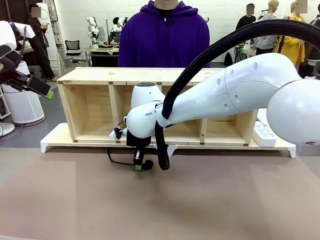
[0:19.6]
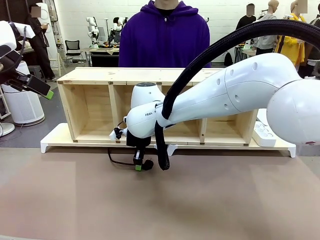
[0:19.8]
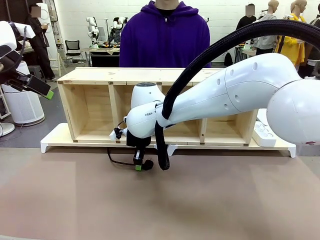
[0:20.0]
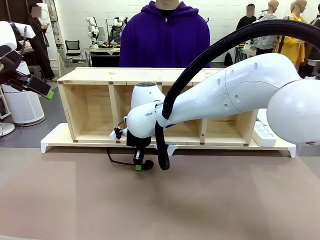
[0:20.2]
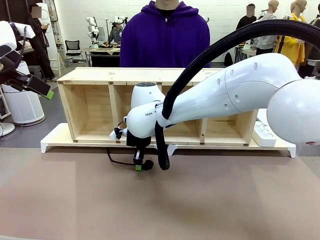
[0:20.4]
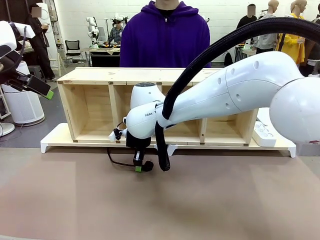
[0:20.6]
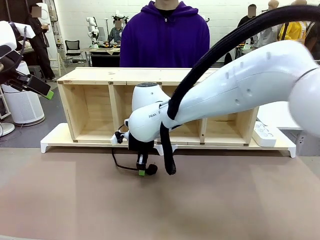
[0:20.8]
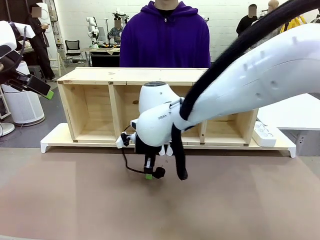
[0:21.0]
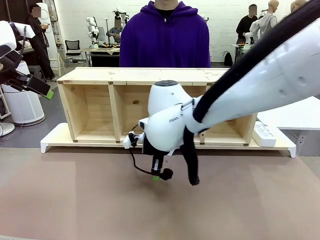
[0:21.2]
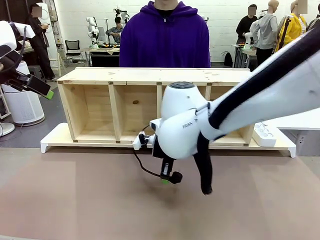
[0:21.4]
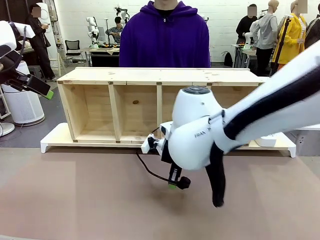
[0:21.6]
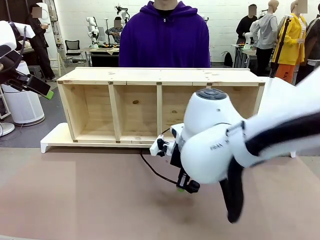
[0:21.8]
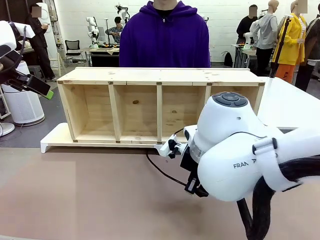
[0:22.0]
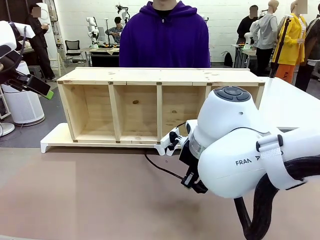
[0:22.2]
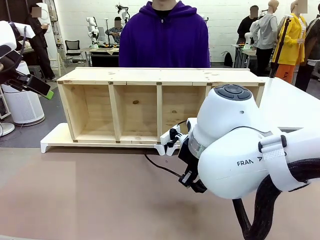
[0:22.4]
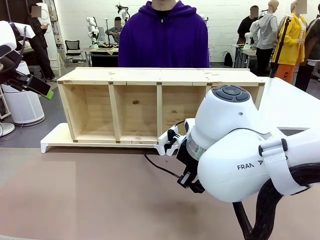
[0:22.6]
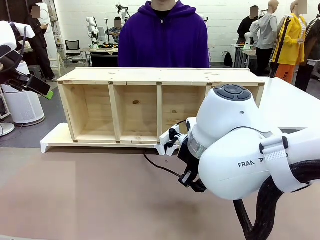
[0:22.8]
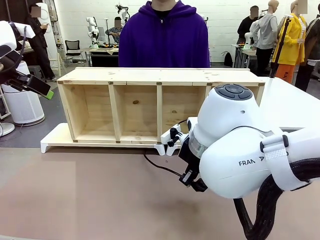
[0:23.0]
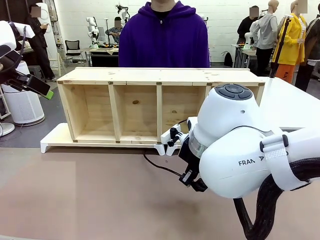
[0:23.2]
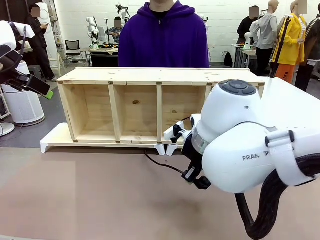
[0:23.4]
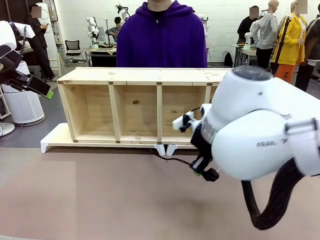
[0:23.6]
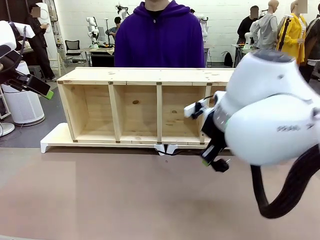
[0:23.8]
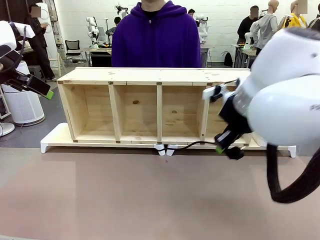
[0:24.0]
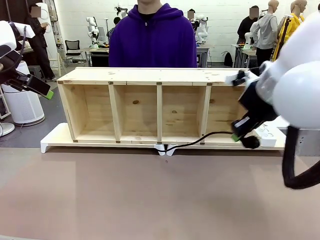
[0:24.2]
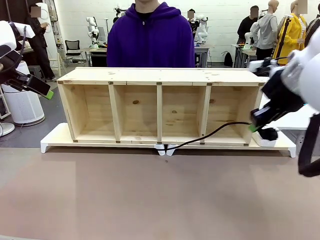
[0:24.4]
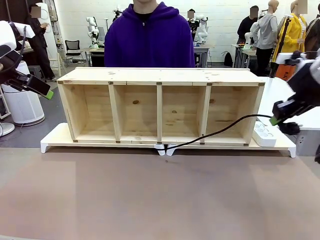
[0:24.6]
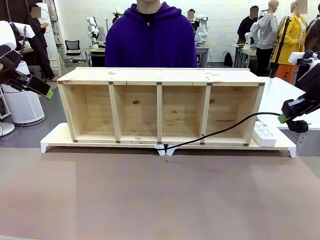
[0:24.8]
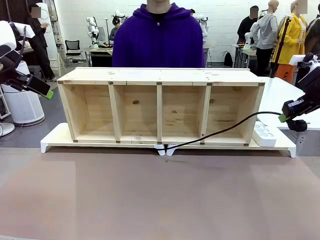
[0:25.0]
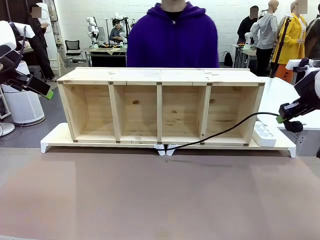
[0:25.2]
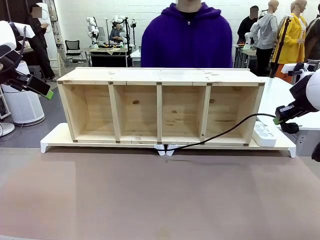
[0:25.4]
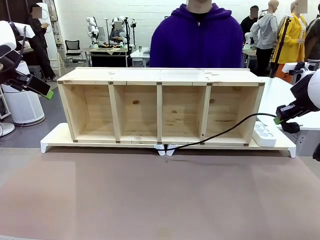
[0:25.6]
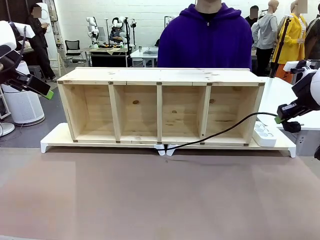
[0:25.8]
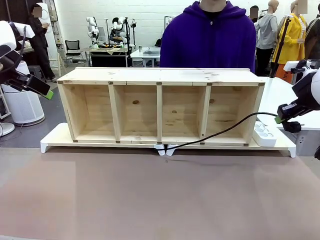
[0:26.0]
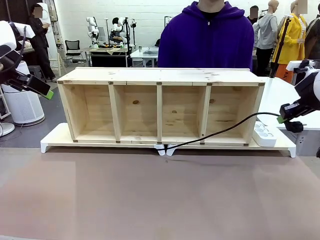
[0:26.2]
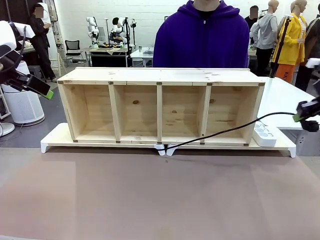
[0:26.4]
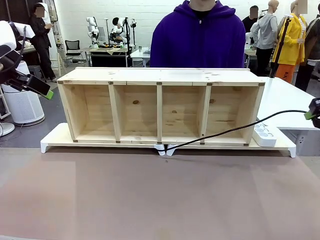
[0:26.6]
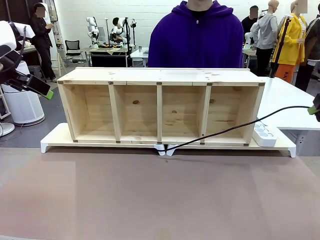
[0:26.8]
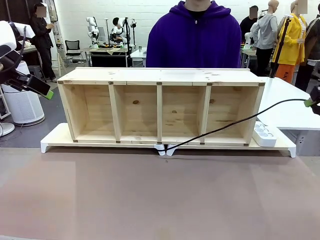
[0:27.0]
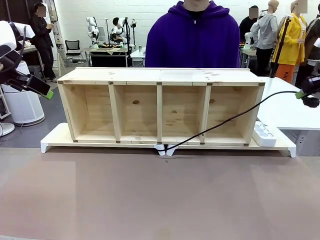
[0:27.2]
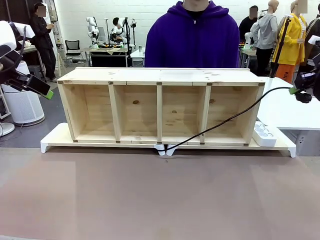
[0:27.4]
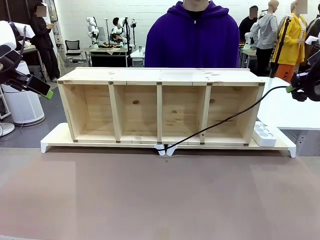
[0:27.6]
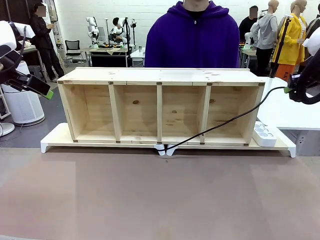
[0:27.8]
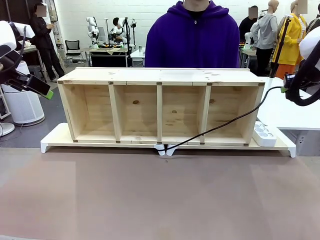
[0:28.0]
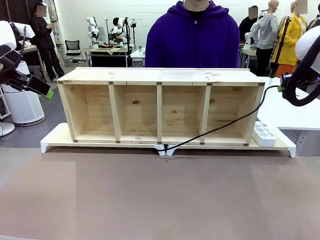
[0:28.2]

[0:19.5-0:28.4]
Task: Perform cable management.
Robot: Pull the grasped Power Cable to the location of the Power Strip.

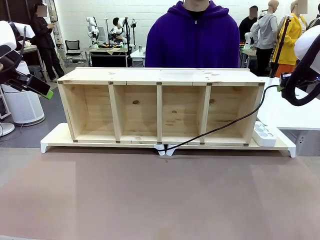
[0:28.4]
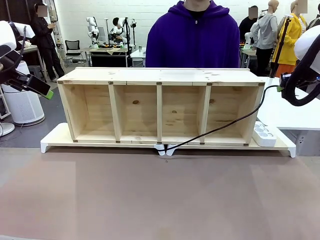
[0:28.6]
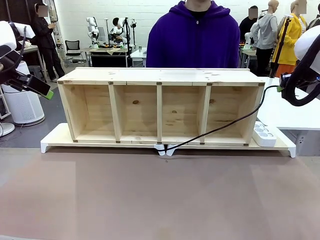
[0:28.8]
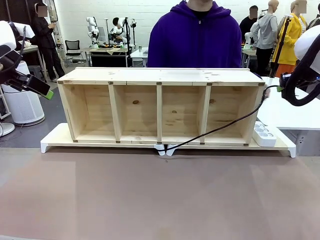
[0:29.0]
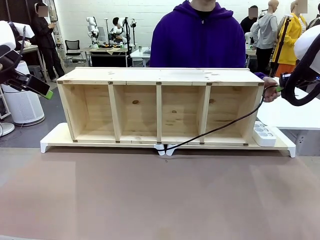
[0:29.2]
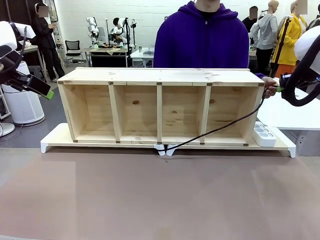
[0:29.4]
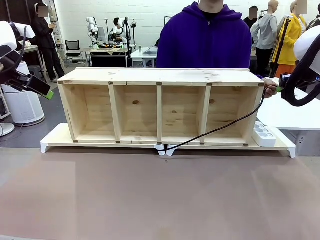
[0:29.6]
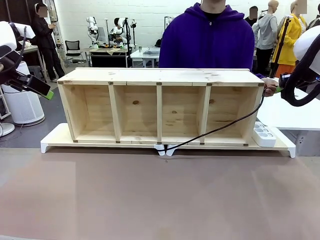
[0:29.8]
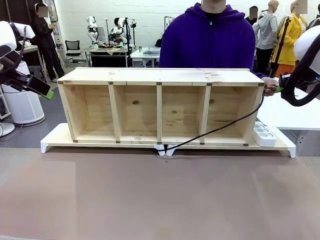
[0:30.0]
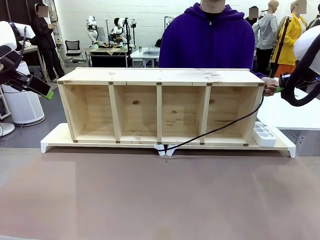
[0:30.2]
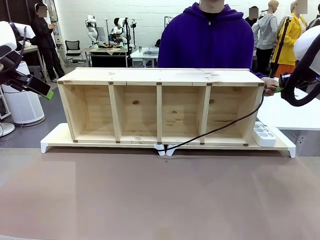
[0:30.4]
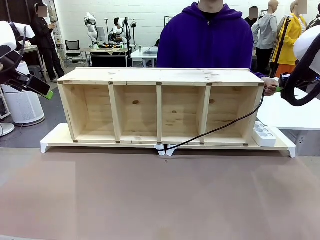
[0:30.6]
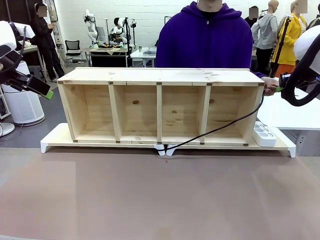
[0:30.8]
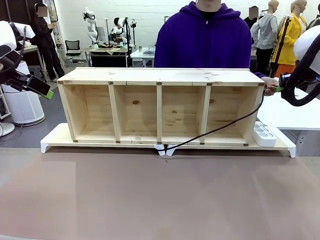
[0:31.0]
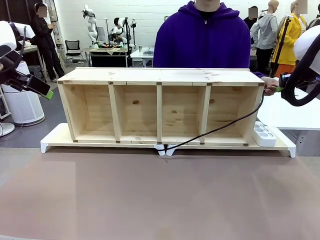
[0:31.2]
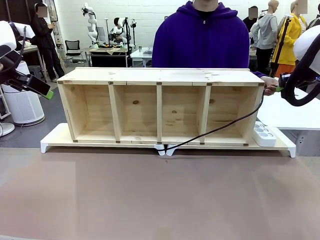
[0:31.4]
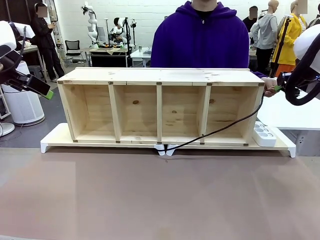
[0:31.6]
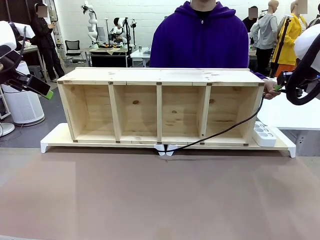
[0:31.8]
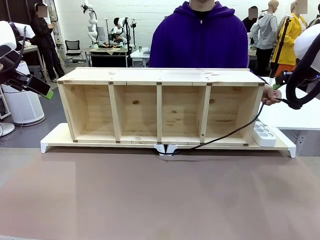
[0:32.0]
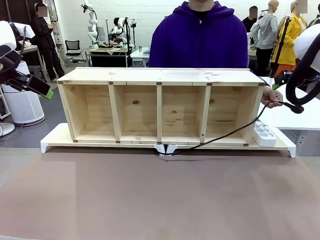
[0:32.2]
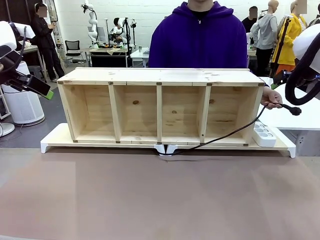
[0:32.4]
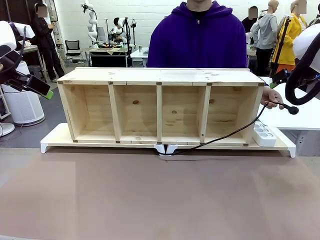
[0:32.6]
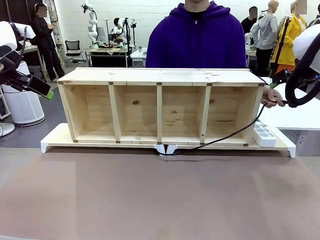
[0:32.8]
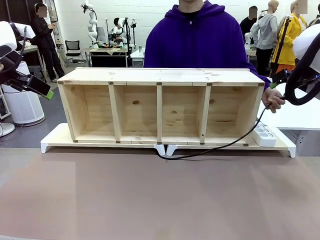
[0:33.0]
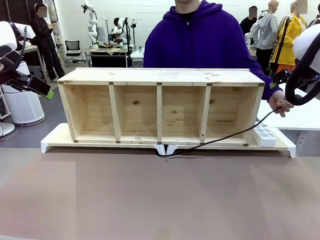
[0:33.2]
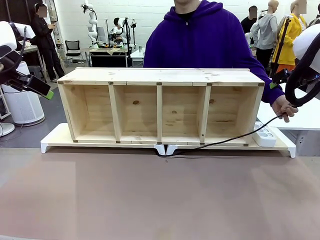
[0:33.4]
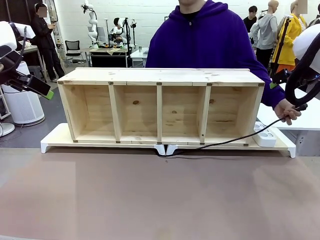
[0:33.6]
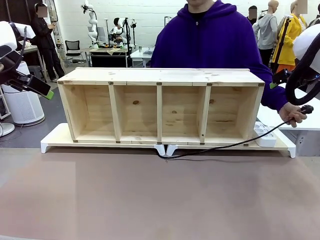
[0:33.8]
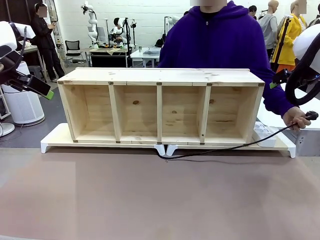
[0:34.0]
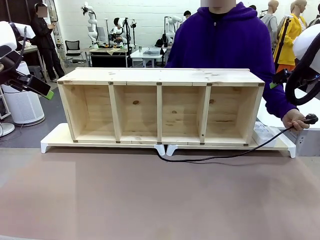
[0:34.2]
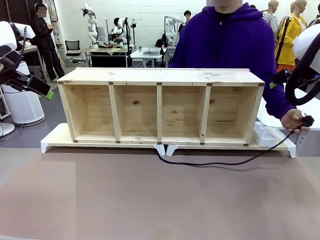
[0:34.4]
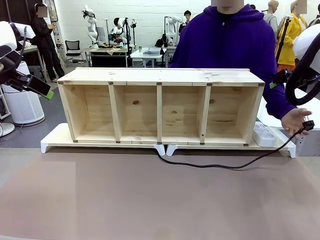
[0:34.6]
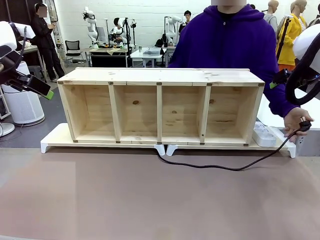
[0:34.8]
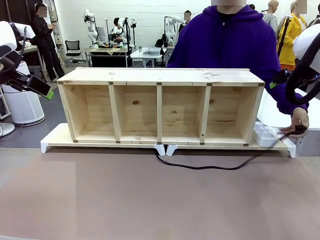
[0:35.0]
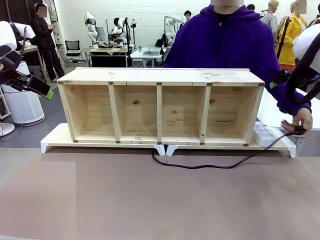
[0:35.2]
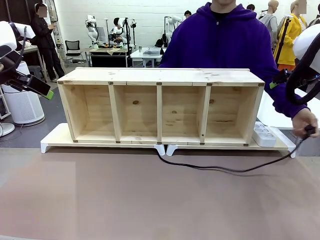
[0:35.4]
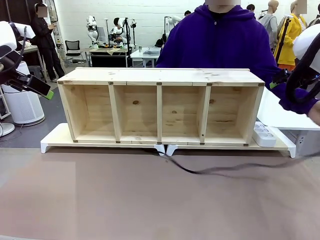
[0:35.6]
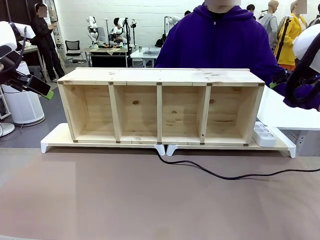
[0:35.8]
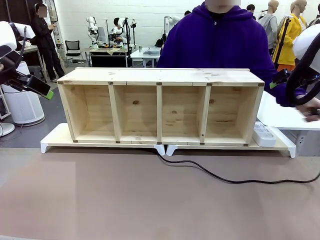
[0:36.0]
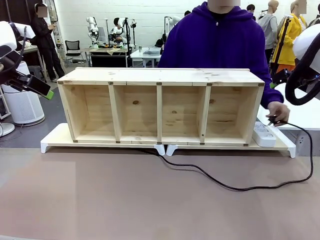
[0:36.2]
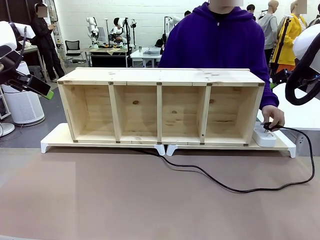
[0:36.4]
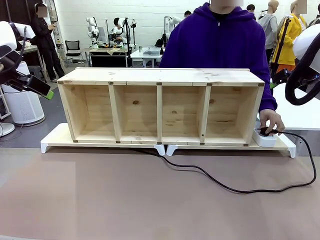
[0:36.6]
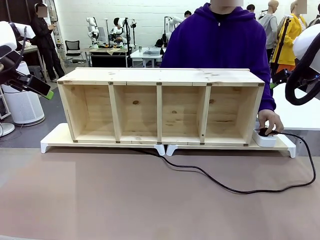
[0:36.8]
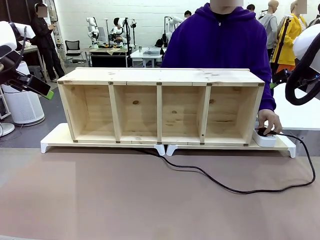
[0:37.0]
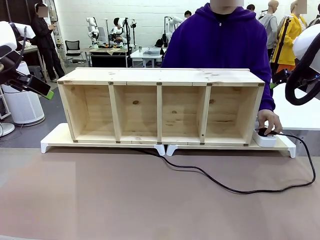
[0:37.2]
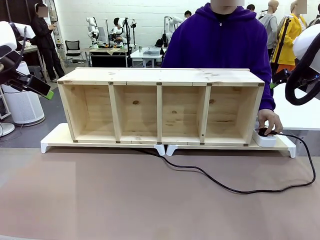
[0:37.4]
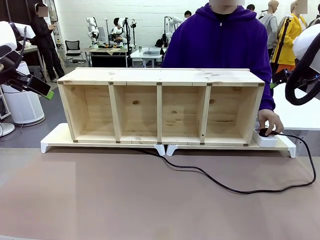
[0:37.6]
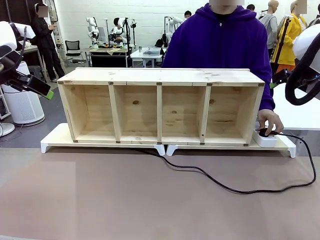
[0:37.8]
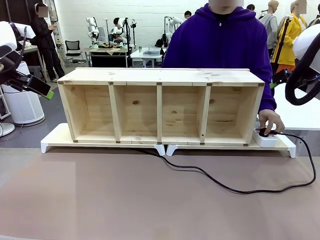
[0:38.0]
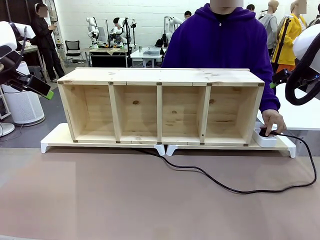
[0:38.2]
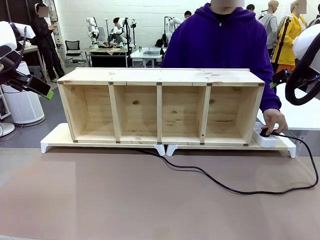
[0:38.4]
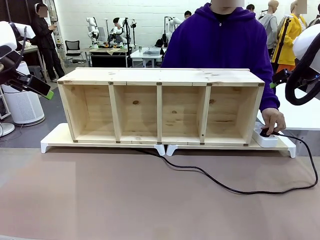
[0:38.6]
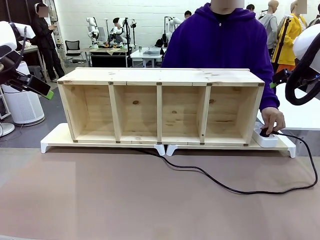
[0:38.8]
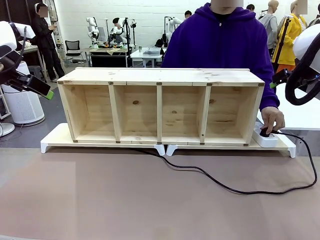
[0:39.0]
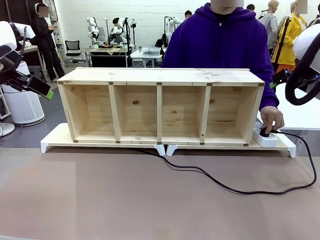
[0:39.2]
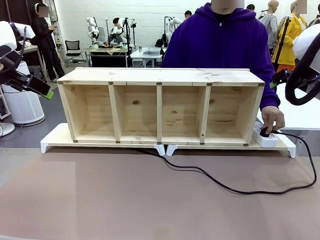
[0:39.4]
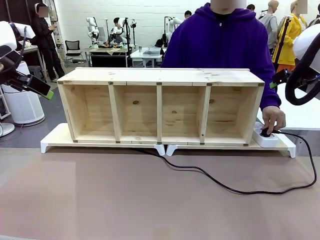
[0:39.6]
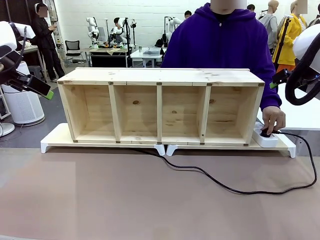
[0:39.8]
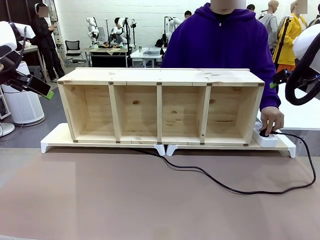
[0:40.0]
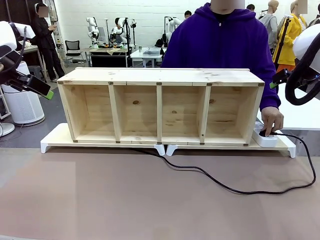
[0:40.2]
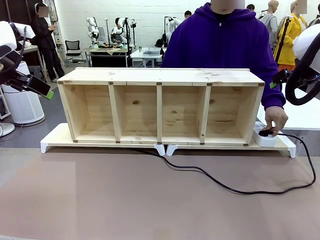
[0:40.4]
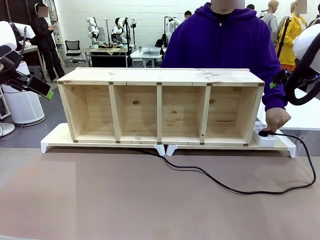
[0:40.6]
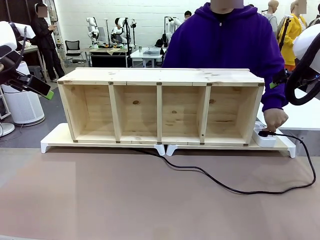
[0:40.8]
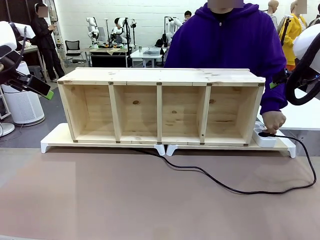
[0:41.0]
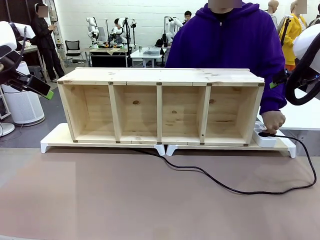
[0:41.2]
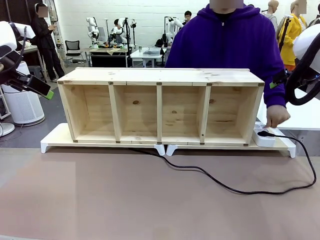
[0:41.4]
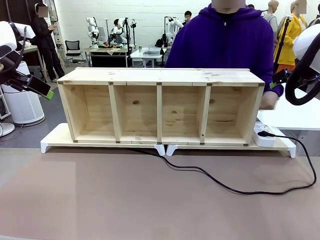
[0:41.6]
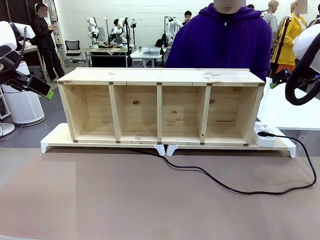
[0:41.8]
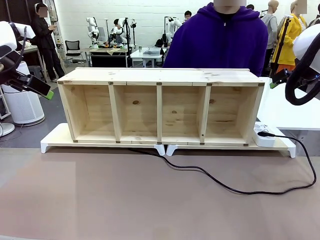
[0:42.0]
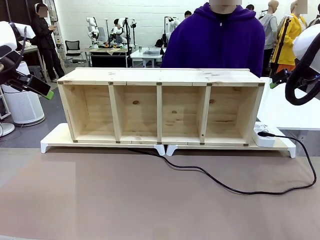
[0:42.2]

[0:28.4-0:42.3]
Robot: Release the Power Cable when the human grasps it.
Person: Plug the Power Cable into the Power Strip.
